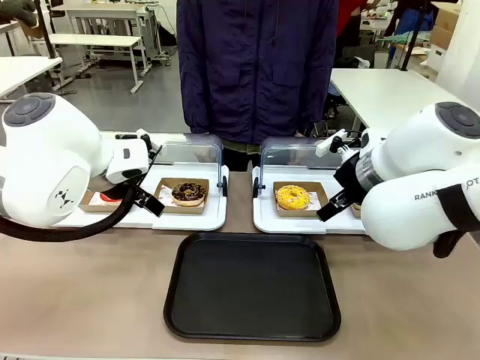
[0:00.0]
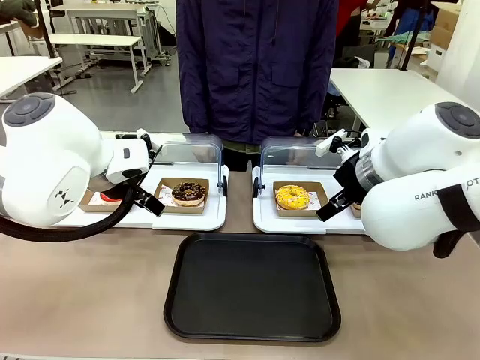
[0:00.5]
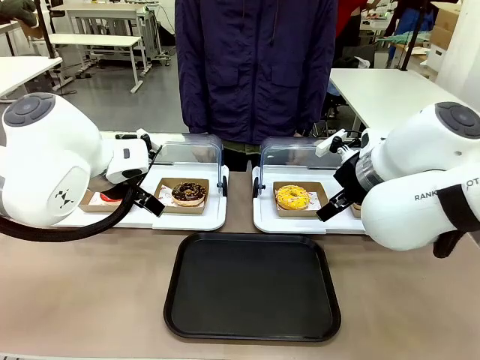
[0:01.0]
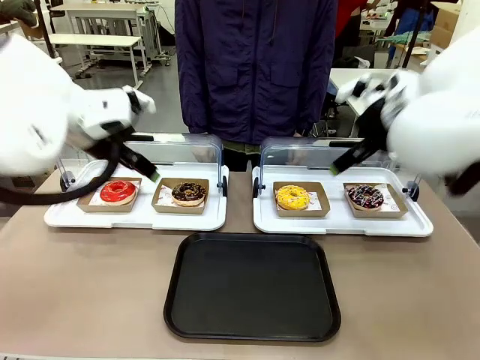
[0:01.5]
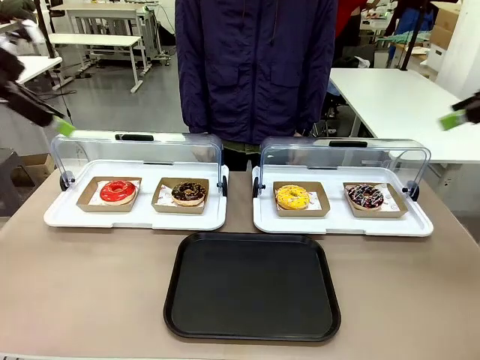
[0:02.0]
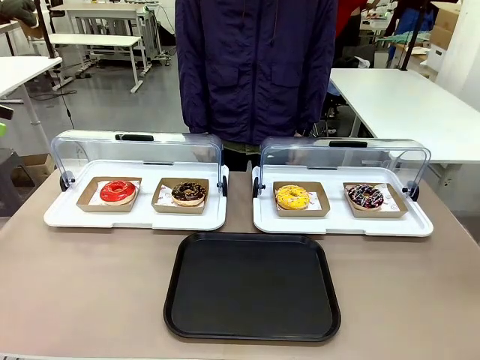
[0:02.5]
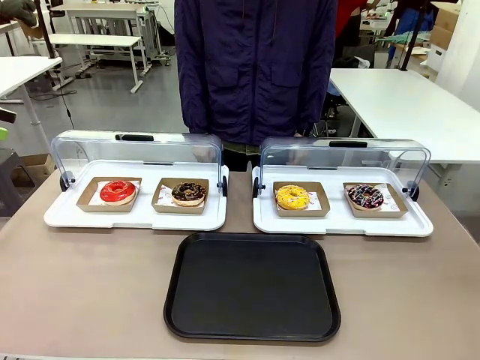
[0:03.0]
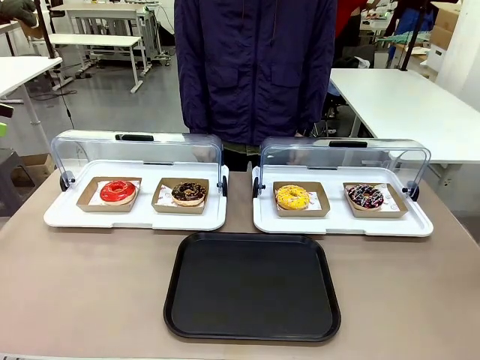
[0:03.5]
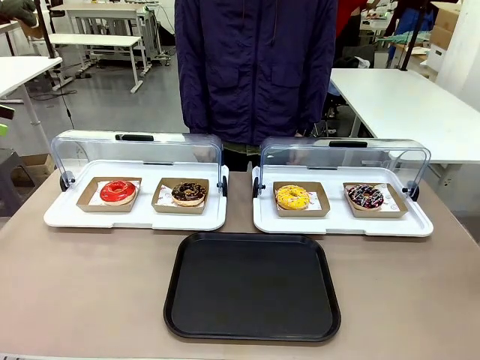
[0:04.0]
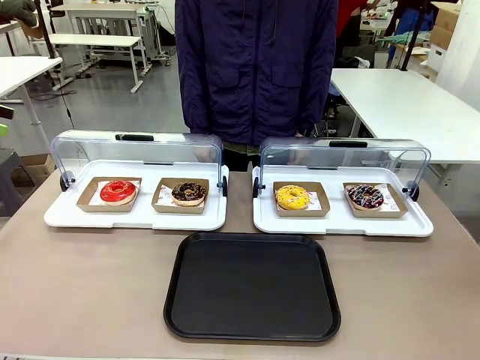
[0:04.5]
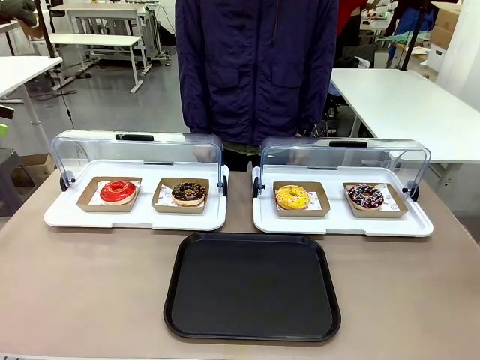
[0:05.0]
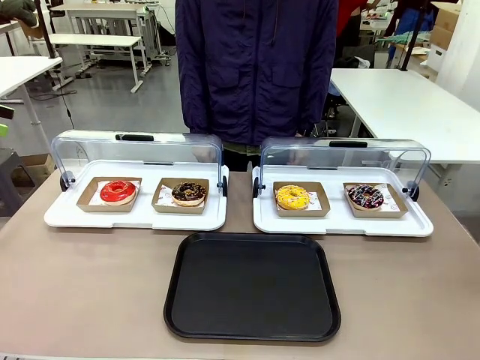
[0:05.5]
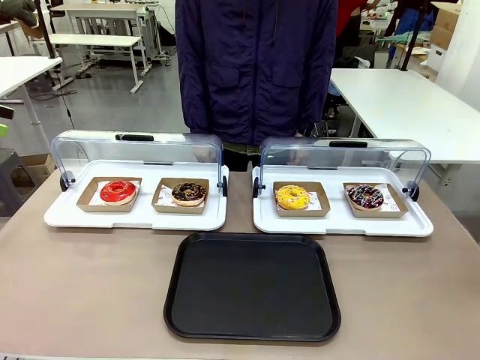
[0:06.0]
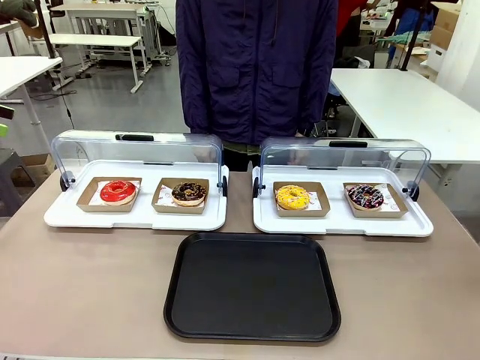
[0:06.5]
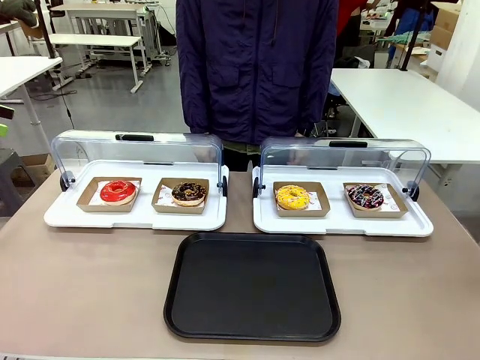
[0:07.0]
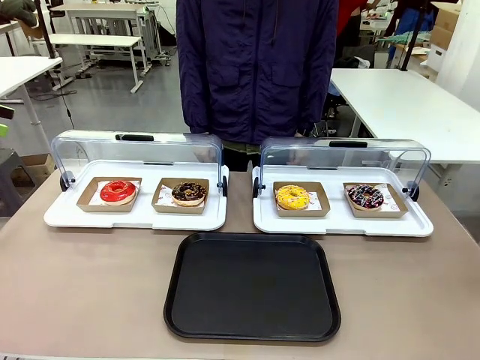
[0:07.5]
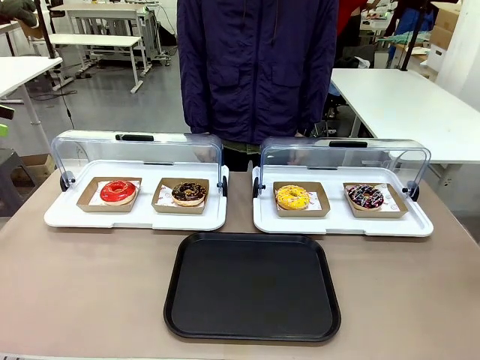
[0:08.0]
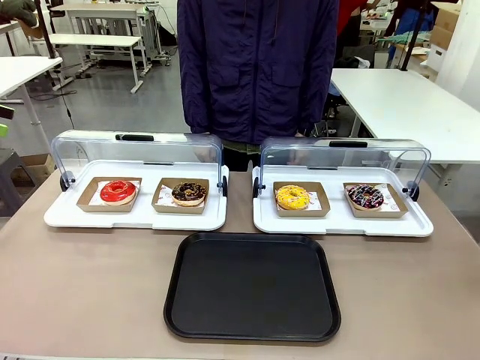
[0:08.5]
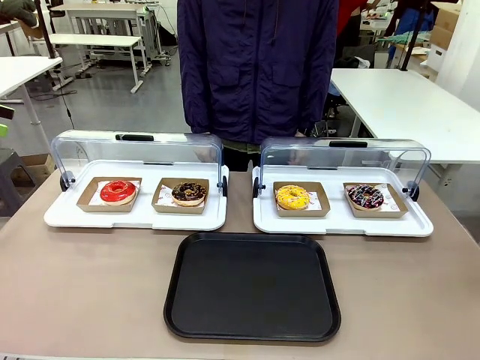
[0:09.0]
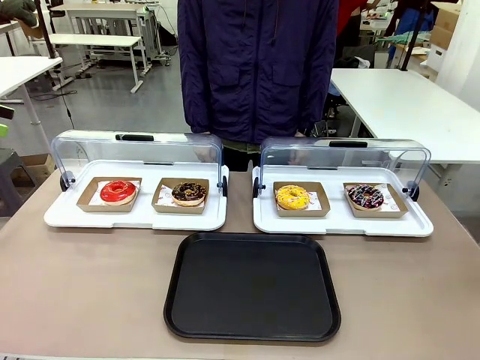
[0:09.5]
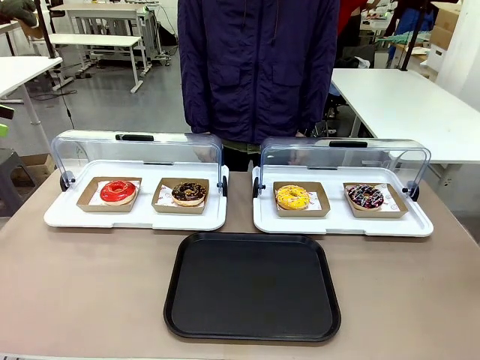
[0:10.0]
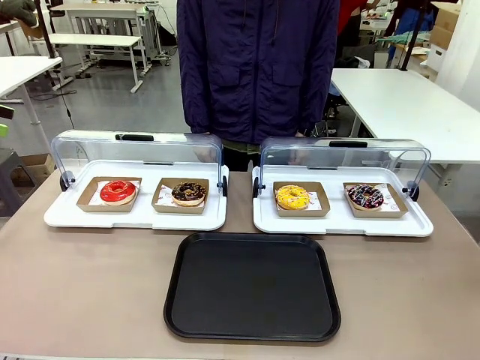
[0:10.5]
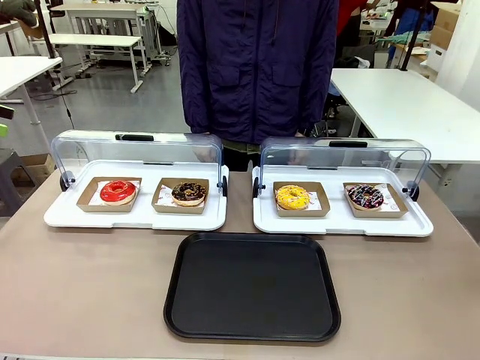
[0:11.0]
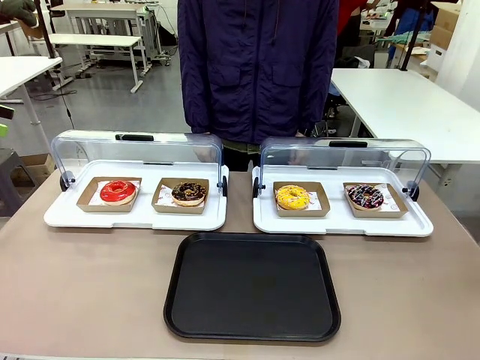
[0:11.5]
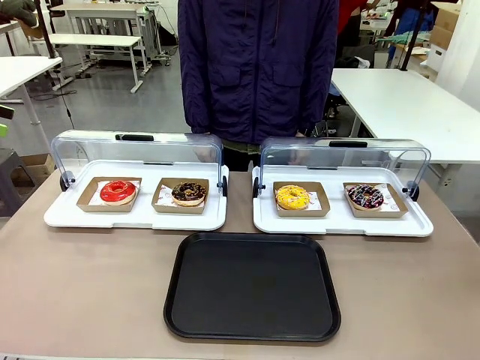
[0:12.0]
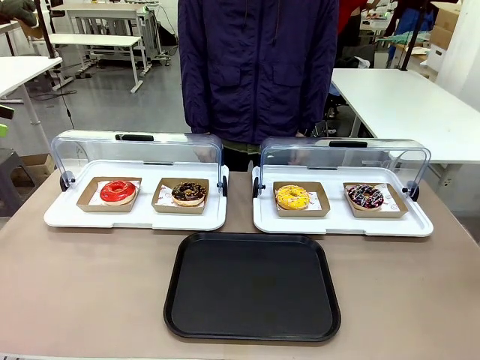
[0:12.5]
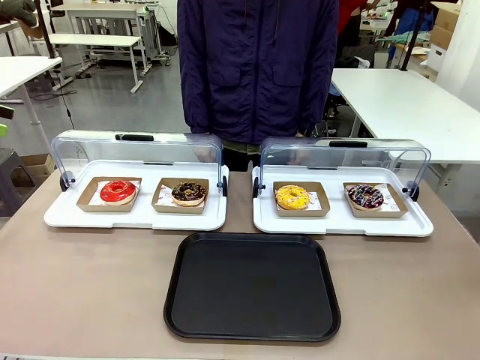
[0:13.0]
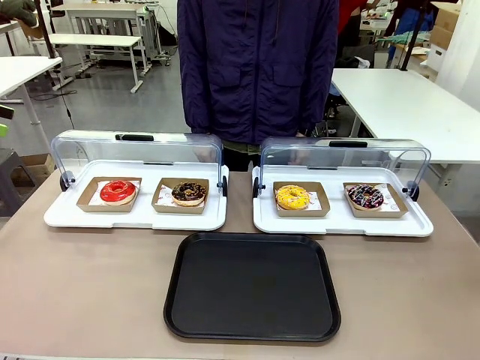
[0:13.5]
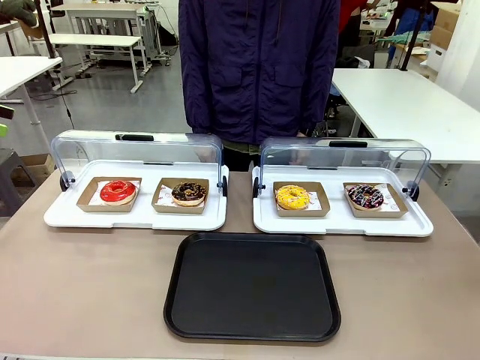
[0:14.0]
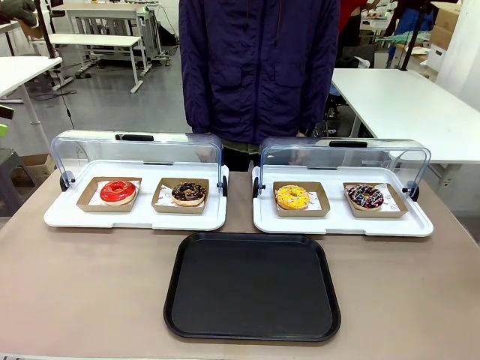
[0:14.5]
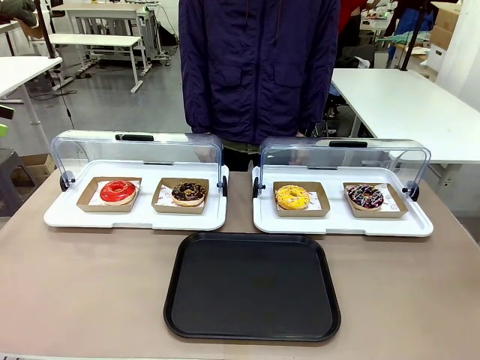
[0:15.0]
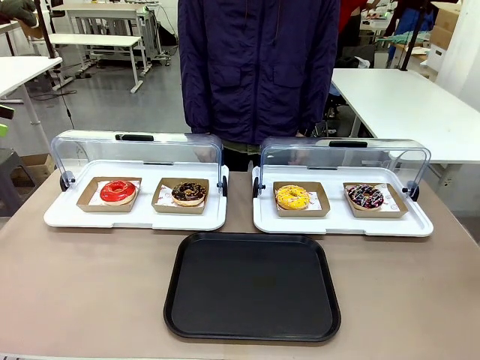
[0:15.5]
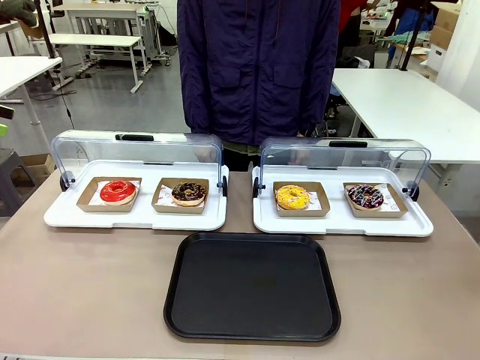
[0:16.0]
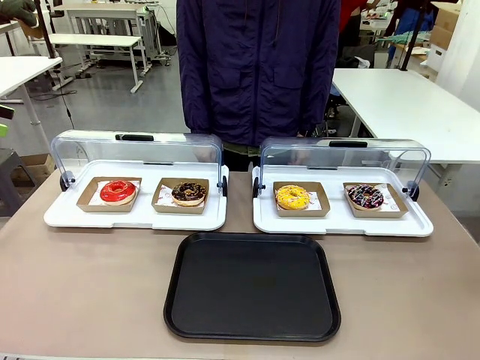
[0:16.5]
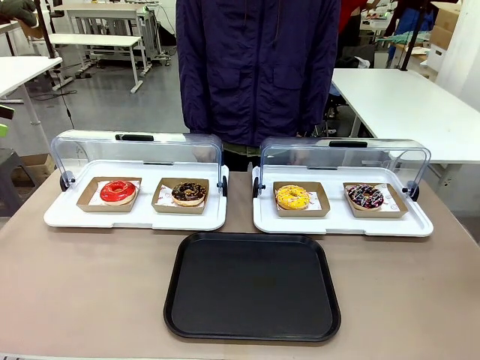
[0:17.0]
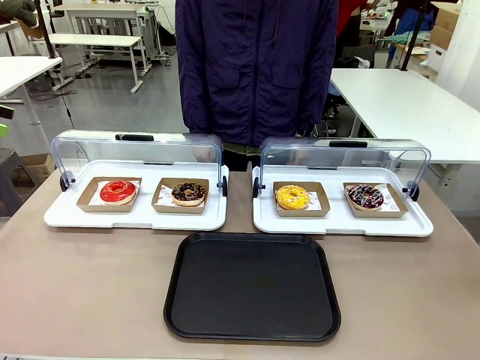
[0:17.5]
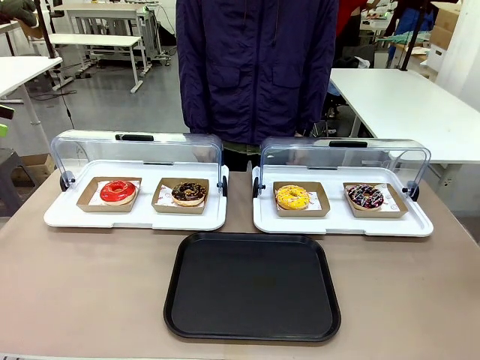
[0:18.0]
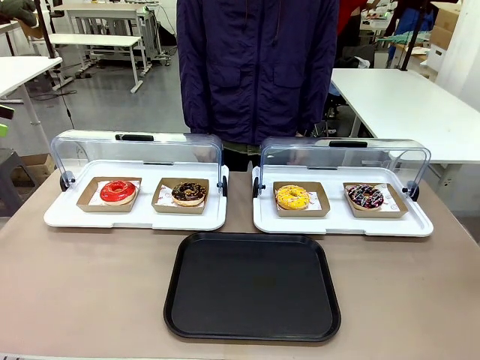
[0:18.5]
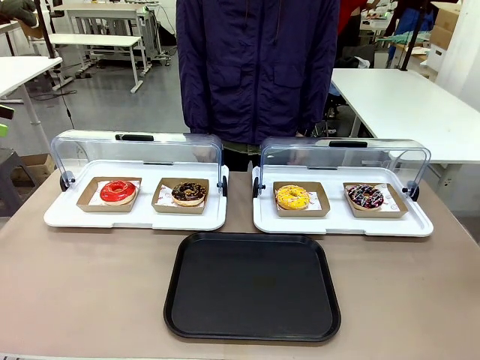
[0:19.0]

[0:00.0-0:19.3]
Task: Move the second donut from the left to the tray.
Robot: Pick up the Paper togo box containing the Donut indicated by the person and place it on the Handle tray.
